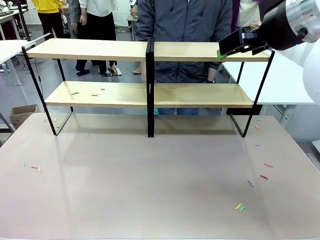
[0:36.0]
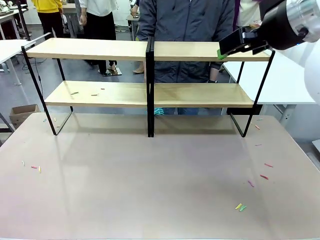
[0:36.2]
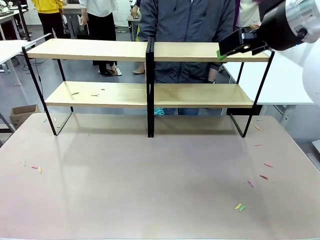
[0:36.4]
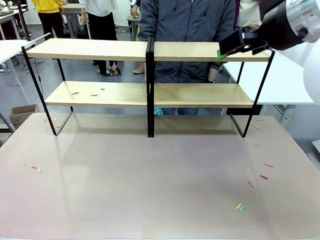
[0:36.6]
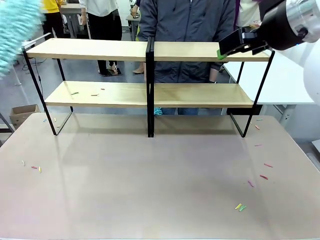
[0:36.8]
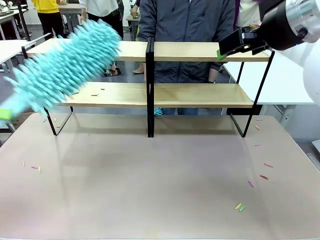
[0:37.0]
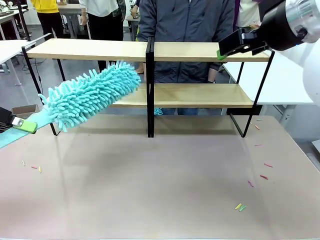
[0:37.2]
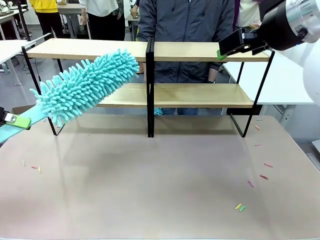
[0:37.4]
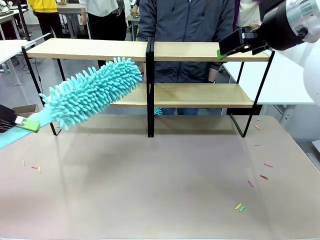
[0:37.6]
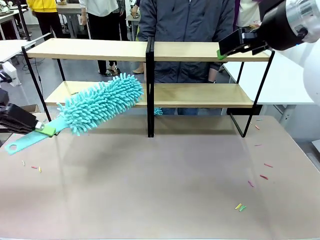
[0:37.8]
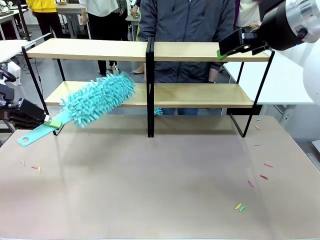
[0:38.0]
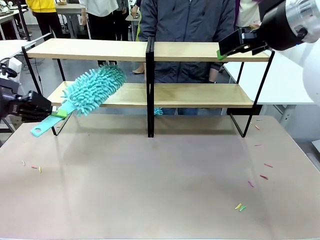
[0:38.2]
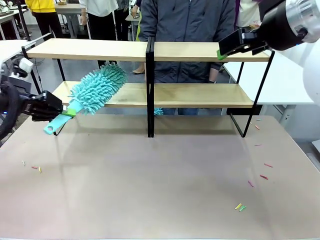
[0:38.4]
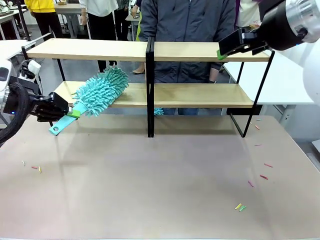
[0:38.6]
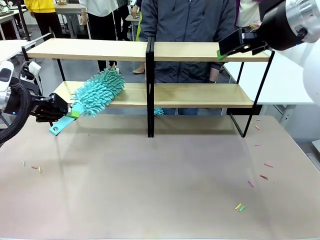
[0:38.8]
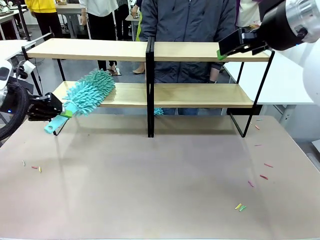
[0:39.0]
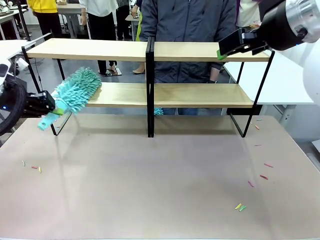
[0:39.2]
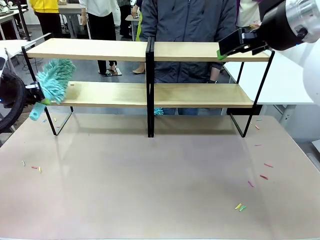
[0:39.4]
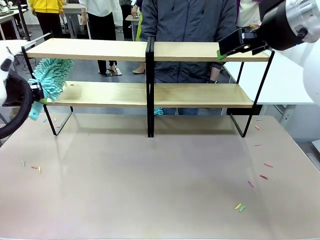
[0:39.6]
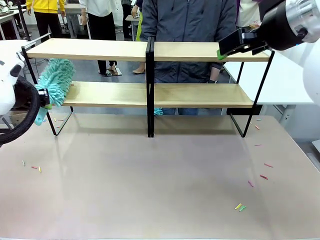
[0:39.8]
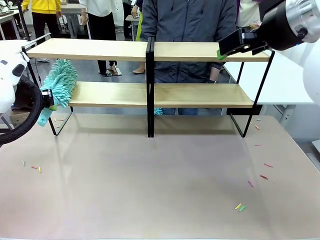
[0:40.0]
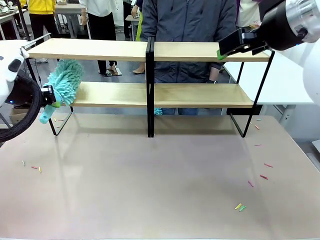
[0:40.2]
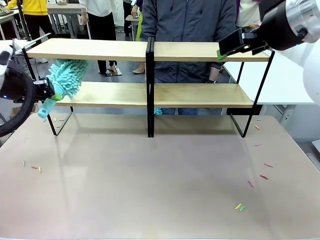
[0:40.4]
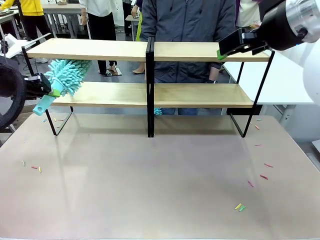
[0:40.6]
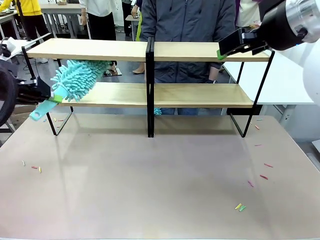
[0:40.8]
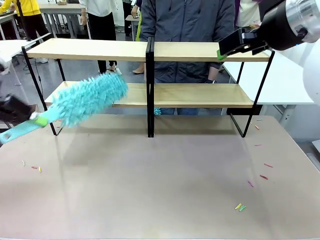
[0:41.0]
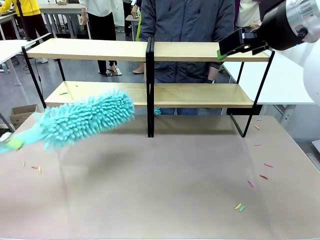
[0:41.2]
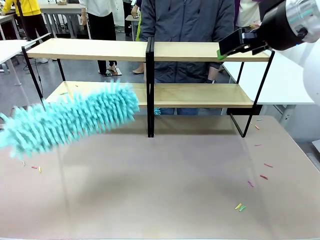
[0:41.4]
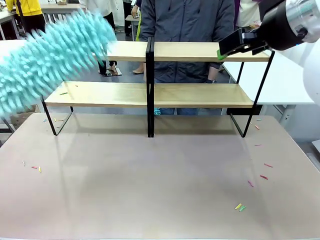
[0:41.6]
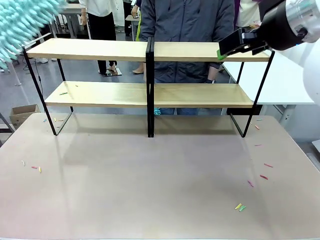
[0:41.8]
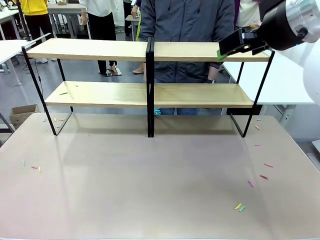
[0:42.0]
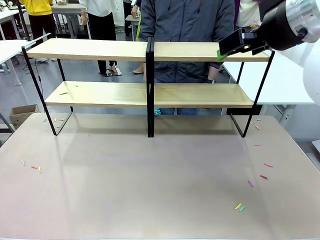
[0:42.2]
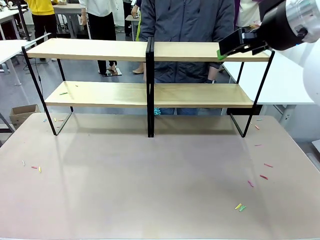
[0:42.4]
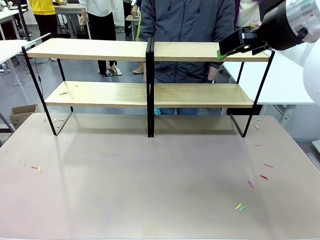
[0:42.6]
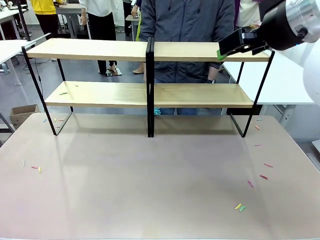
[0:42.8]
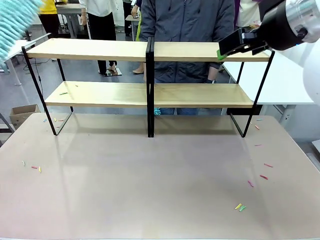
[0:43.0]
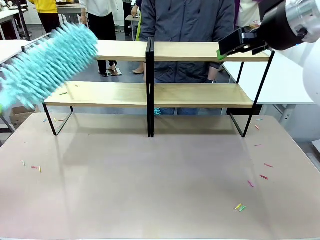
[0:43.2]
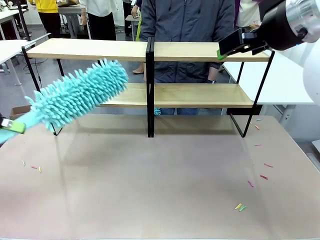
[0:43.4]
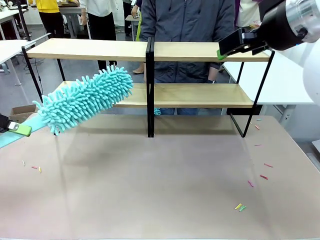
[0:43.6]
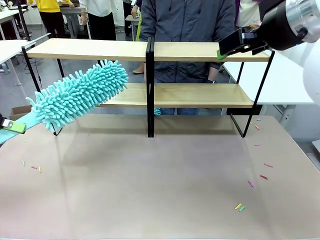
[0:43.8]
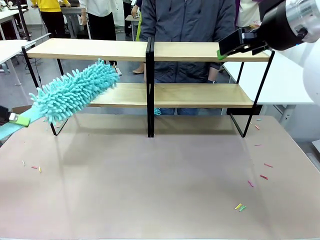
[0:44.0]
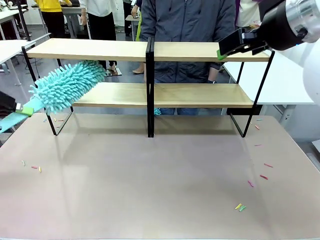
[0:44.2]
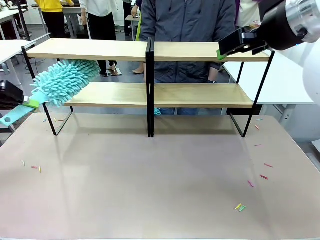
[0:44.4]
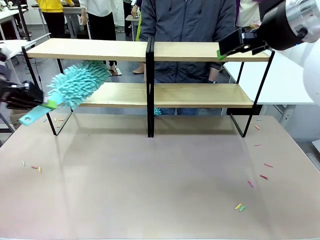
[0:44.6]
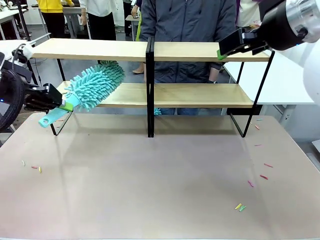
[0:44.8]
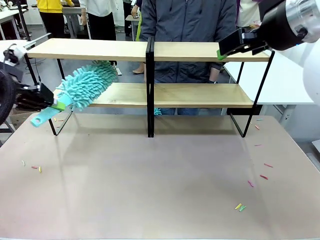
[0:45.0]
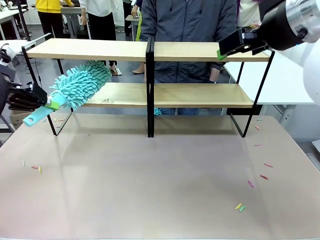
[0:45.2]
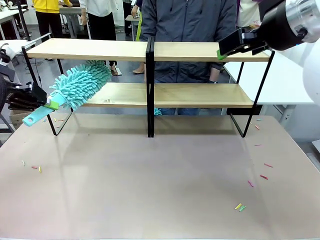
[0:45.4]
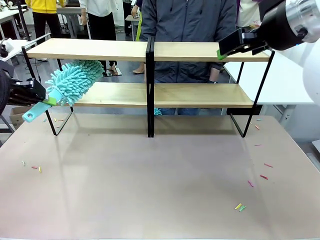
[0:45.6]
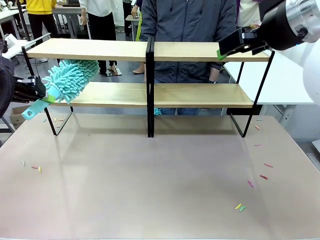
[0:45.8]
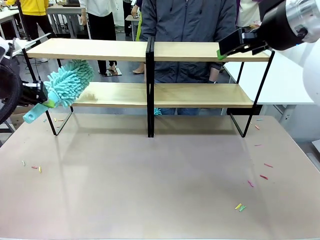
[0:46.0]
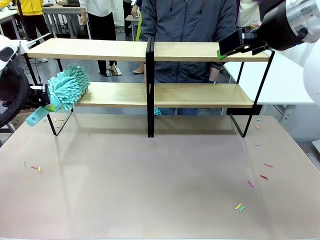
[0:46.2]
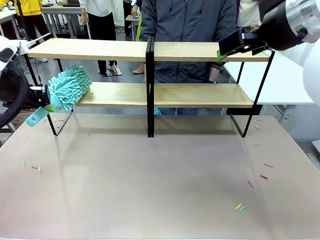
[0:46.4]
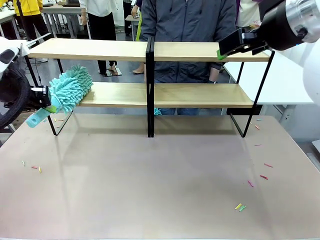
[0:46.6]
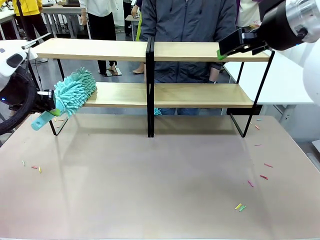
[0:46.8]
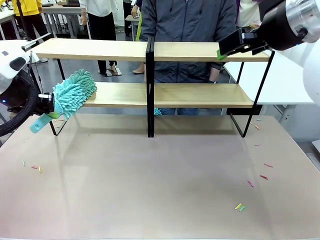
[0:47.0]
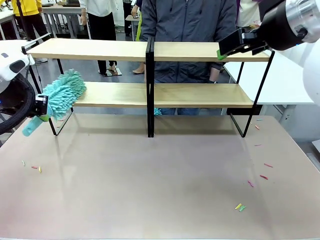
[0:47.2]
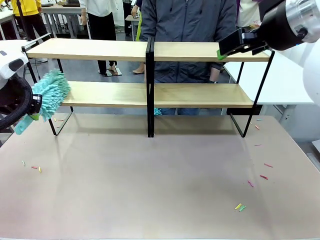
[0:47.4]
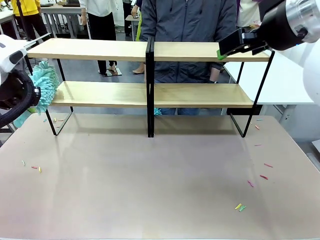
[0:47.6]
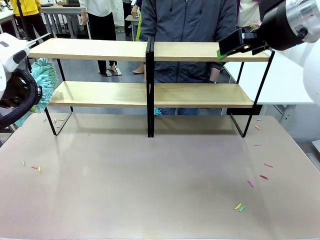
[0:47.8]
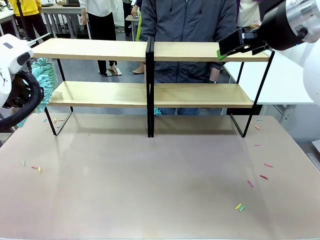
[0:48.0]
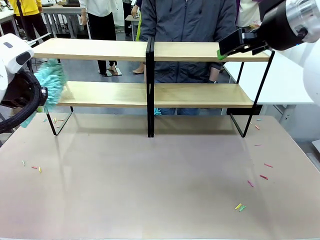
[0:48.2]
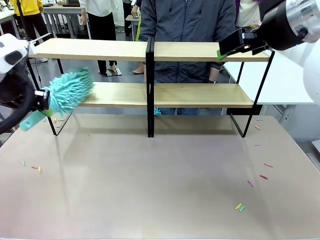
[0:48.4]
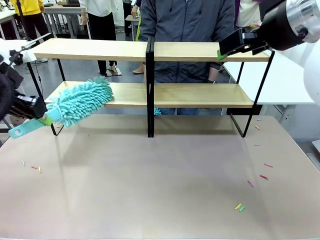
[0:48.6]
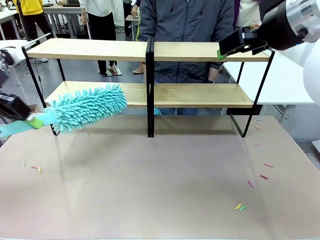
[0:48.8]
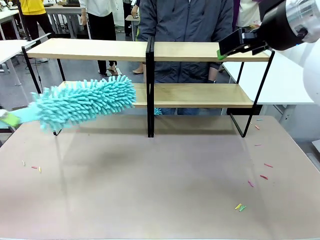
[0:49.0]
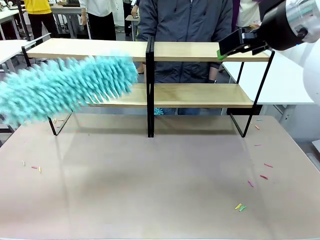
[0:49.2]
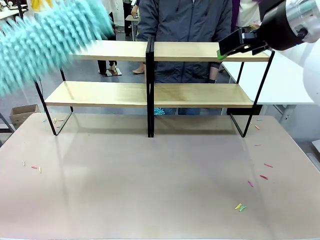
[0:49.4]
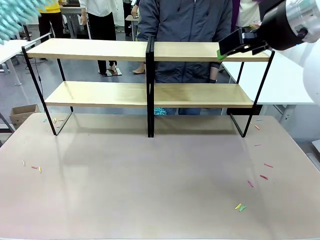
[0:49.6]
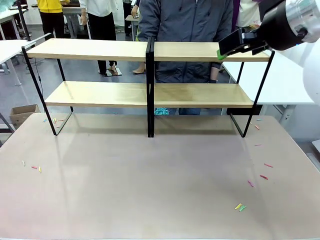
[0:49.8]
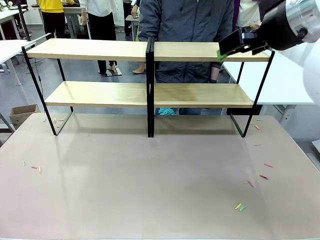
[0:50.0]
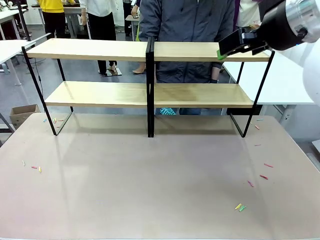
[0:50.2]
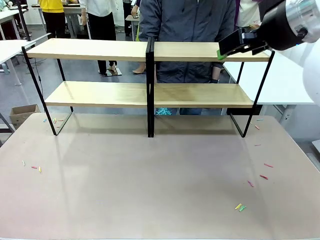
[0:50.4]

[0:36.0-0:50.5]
Task: Clean the shelves.
Robot: Clean another randomly selected level of the Shelf with the Duster.

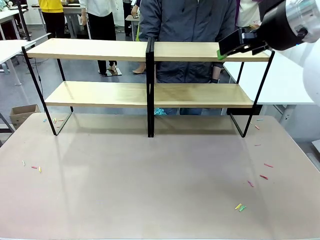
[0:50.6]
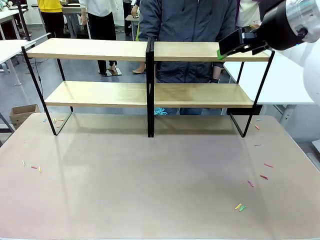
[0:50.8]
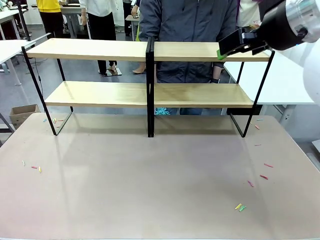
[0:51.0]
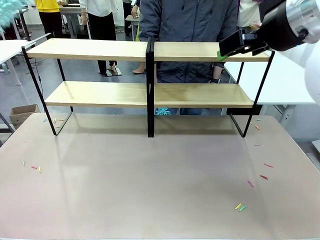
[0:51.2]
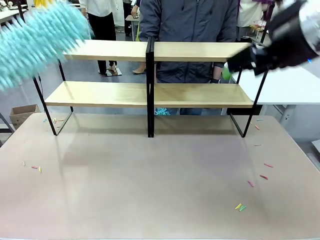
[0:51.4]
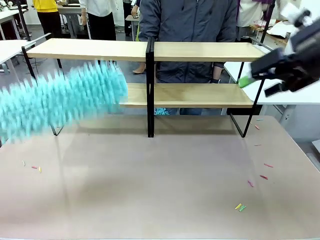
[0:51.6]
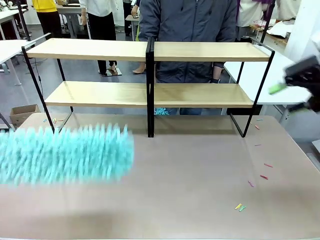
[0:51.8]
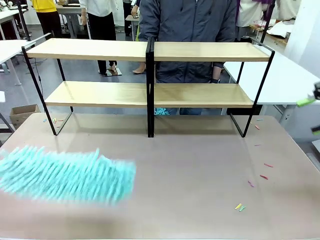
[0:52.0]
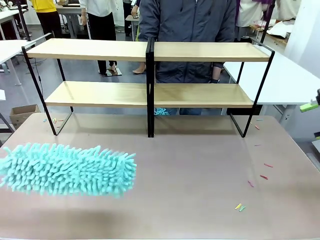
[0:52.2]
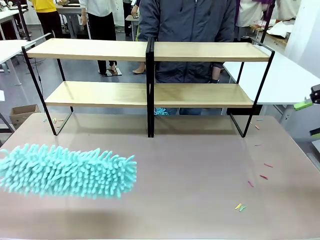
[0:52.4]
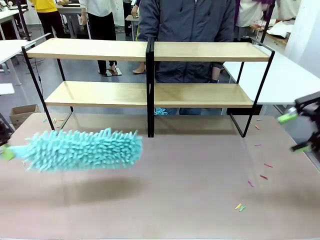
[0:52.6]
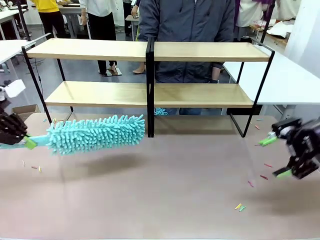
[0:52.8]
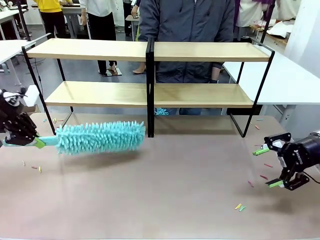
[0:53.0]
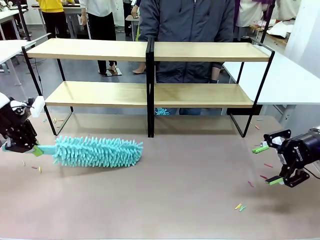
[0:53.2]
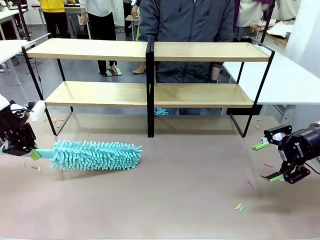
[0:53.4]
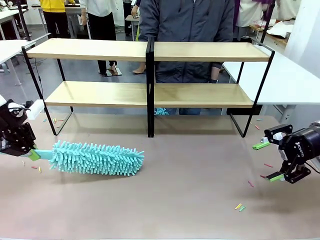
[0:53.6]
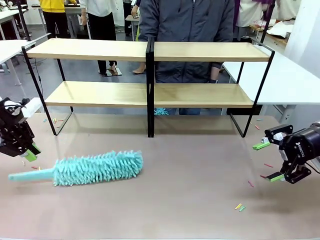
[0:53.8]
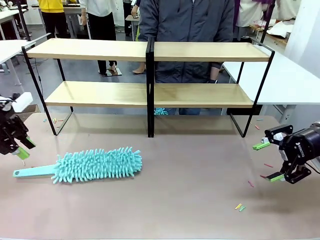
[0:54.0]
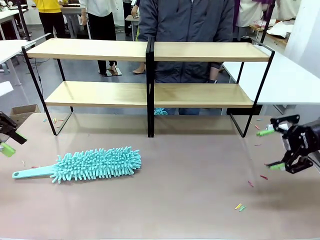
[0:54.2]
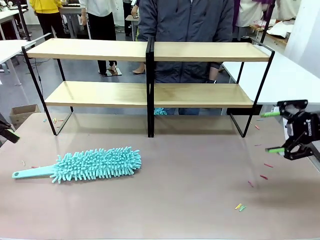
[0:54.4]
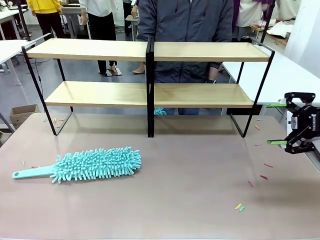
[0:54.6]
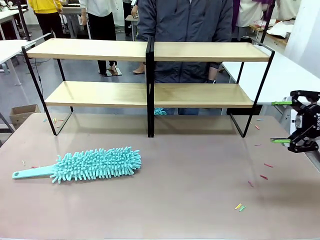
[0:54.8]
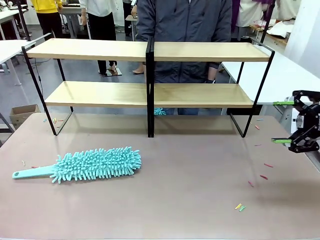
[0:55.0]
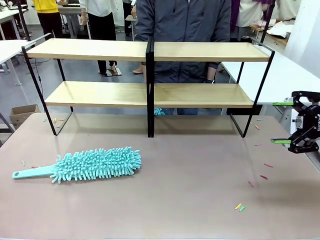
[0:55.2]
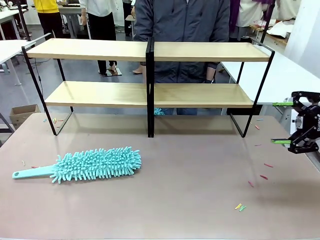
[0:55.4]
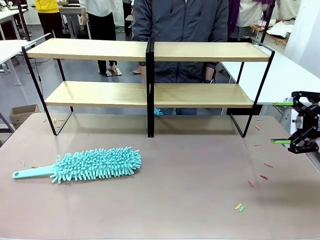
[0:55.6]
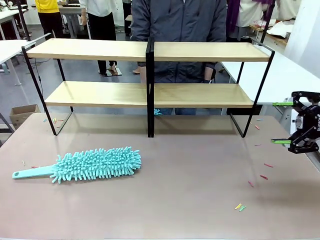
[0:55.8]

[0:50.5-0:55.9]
Robot: Place the Duster on the table.
